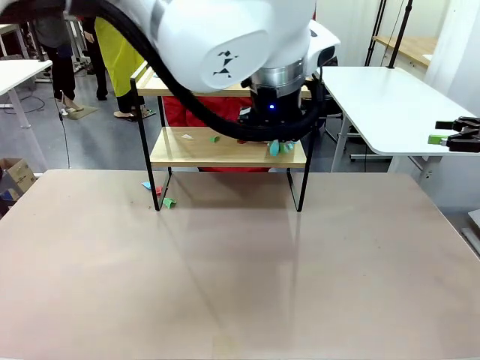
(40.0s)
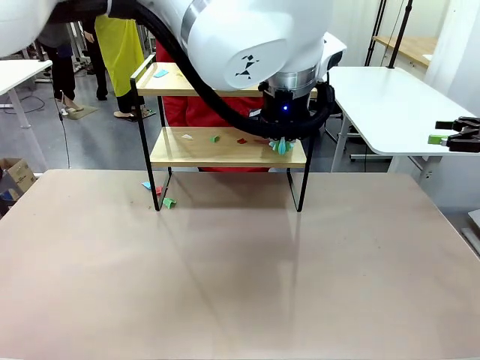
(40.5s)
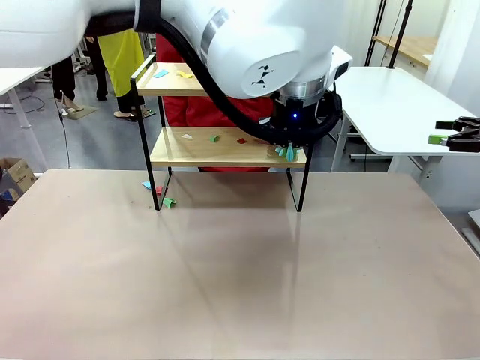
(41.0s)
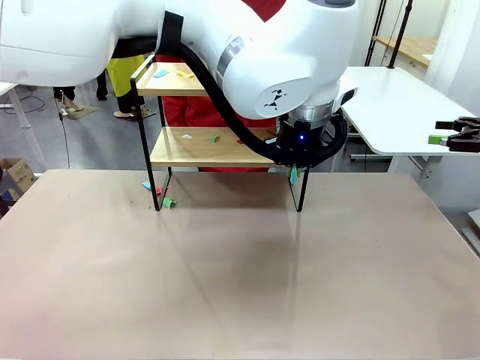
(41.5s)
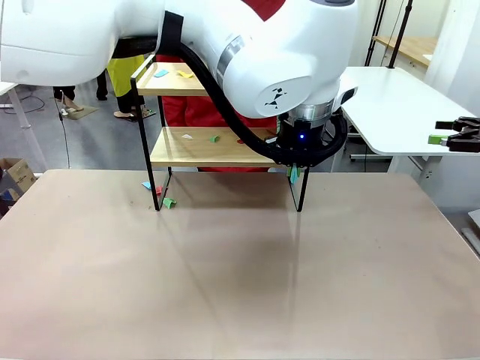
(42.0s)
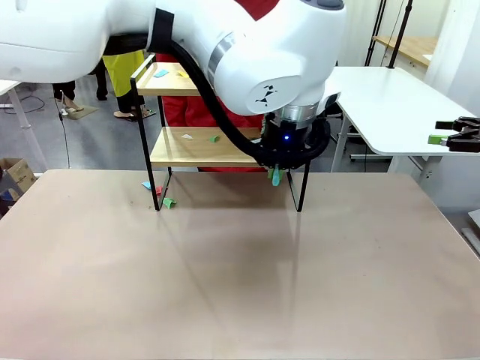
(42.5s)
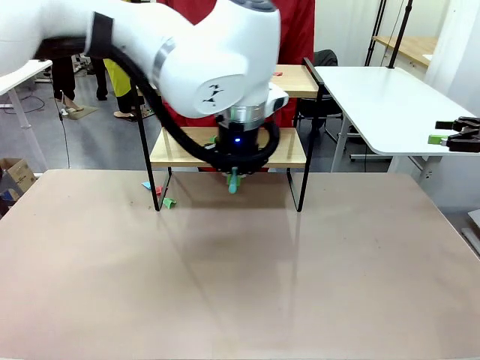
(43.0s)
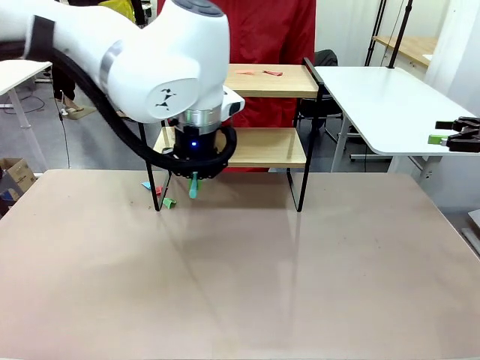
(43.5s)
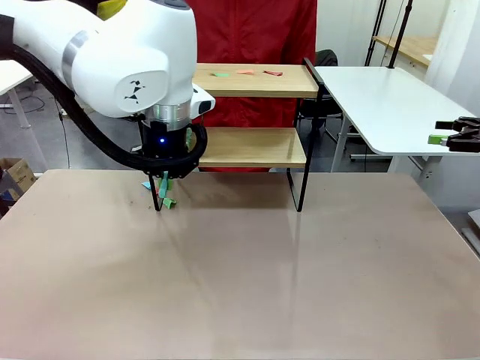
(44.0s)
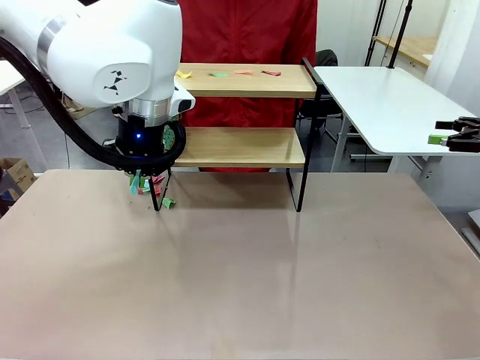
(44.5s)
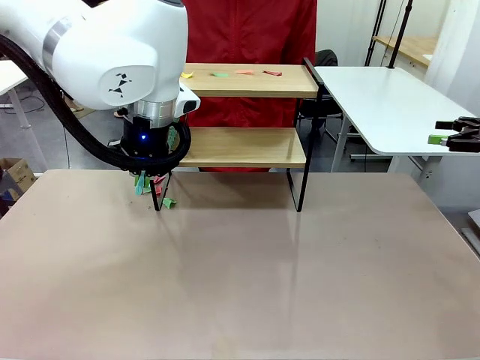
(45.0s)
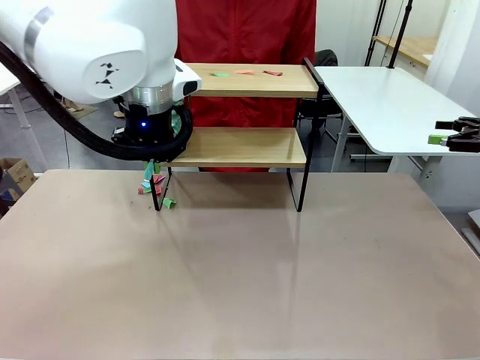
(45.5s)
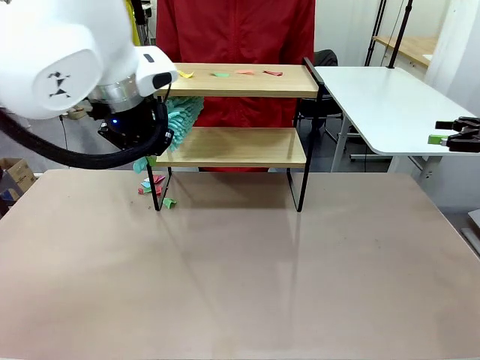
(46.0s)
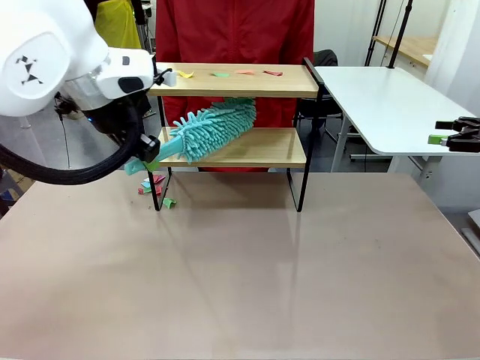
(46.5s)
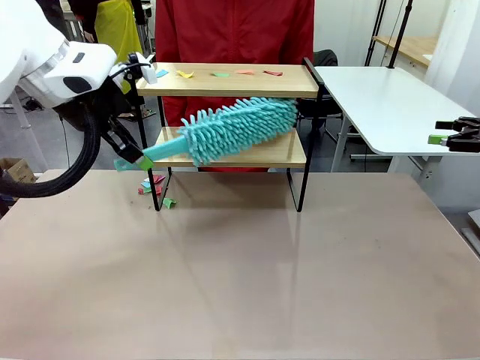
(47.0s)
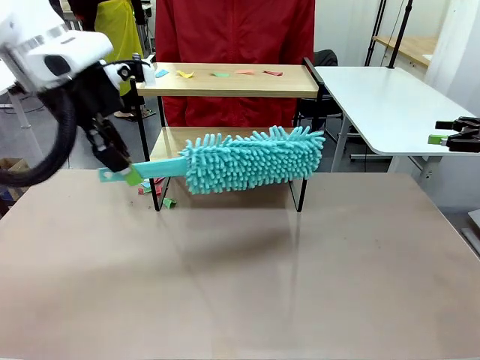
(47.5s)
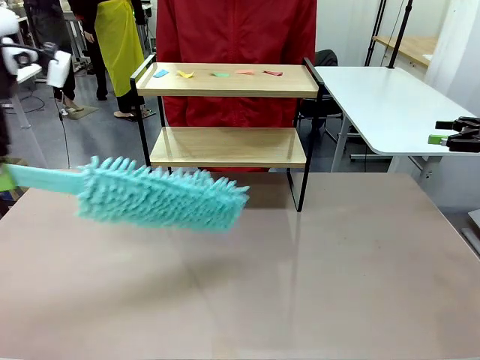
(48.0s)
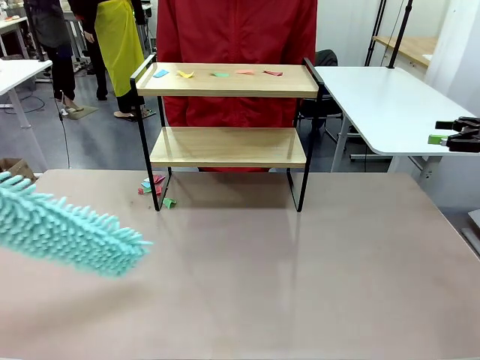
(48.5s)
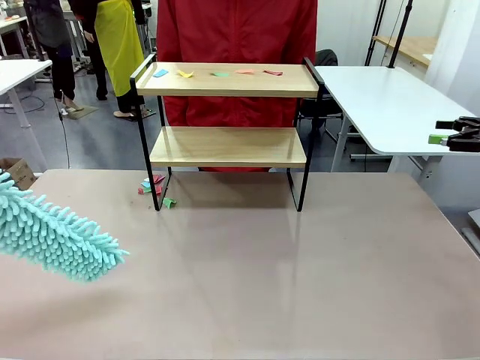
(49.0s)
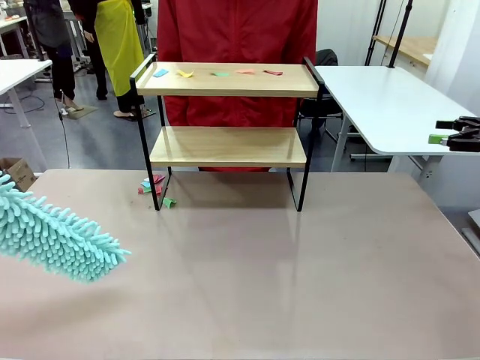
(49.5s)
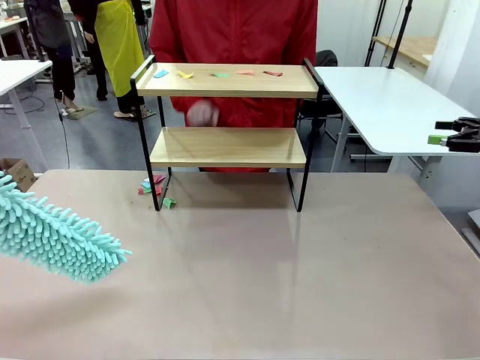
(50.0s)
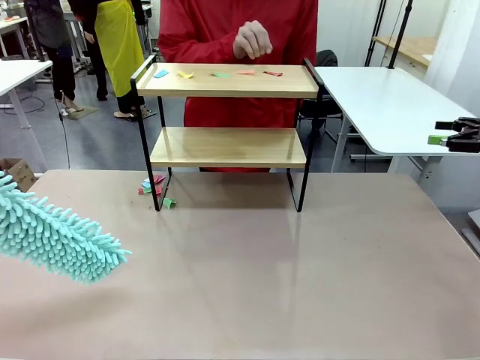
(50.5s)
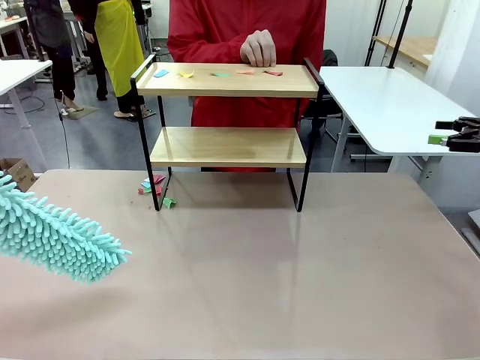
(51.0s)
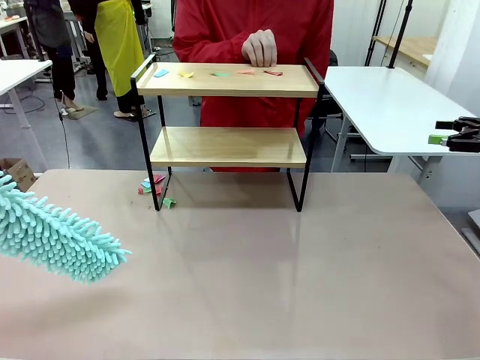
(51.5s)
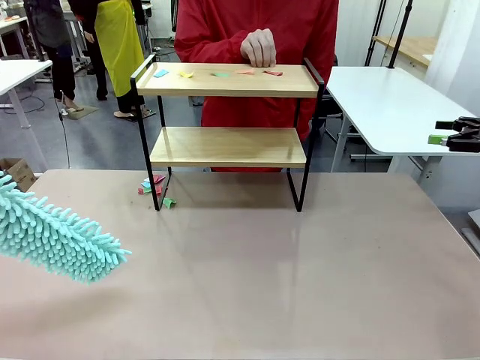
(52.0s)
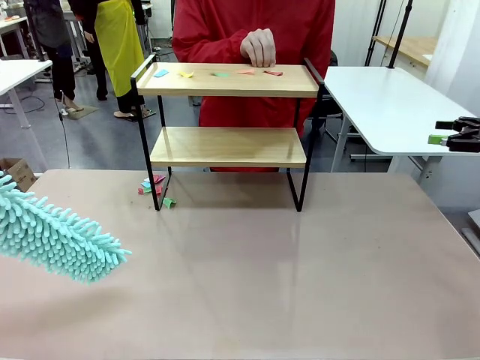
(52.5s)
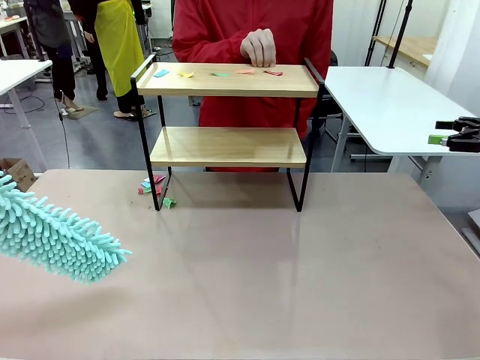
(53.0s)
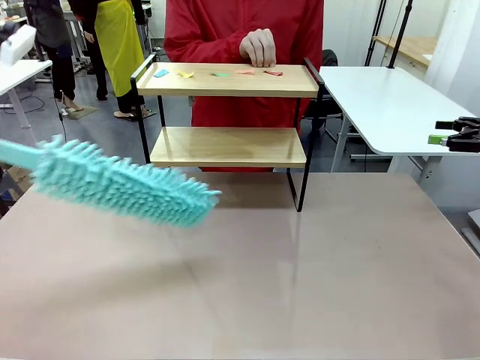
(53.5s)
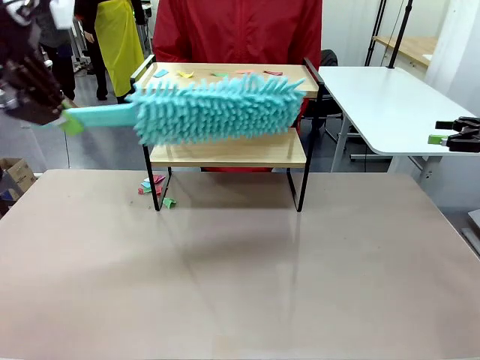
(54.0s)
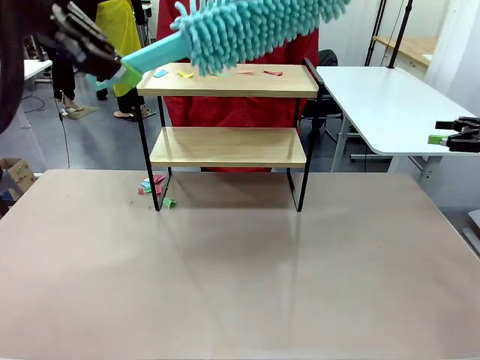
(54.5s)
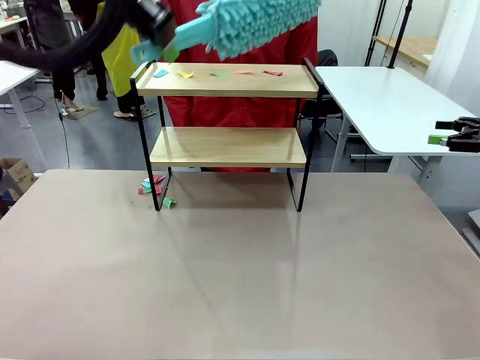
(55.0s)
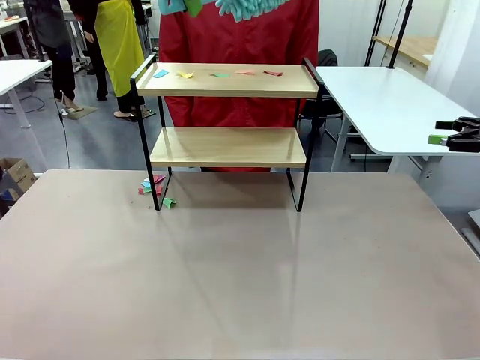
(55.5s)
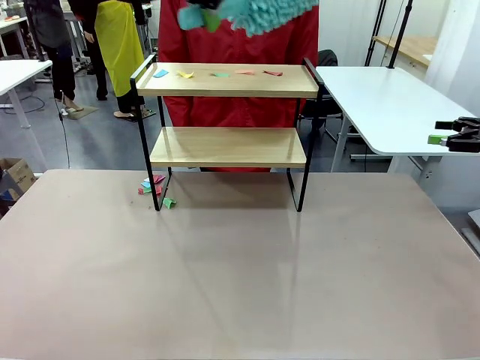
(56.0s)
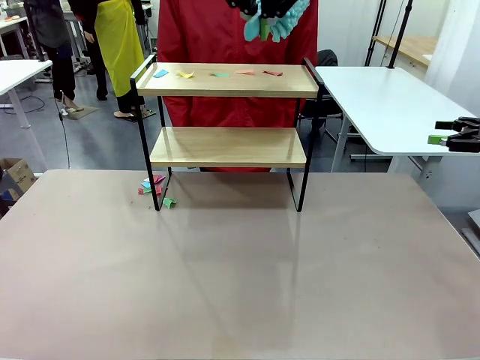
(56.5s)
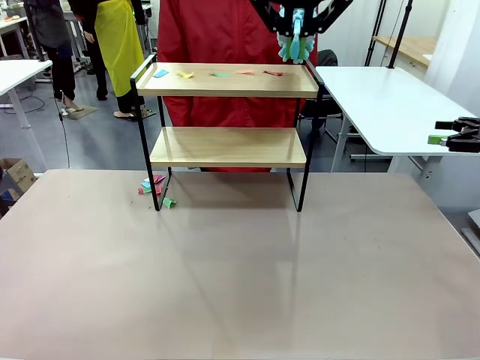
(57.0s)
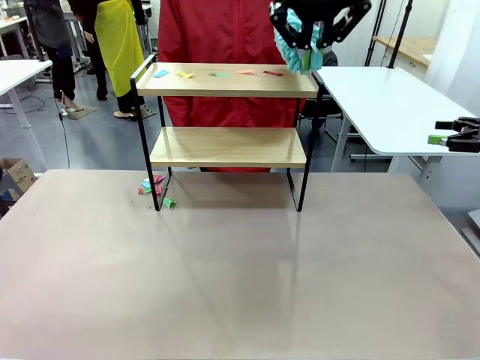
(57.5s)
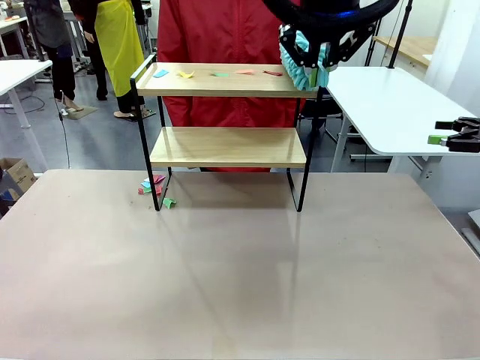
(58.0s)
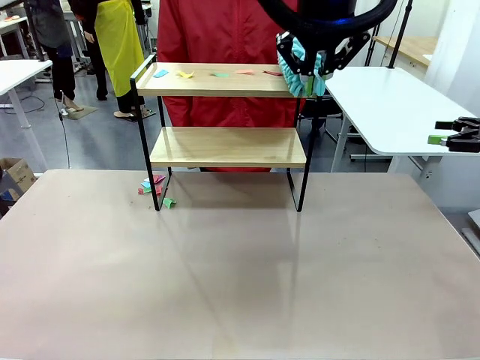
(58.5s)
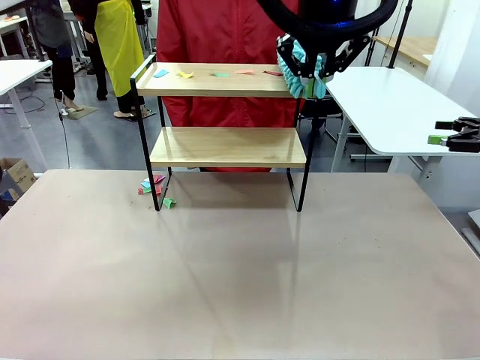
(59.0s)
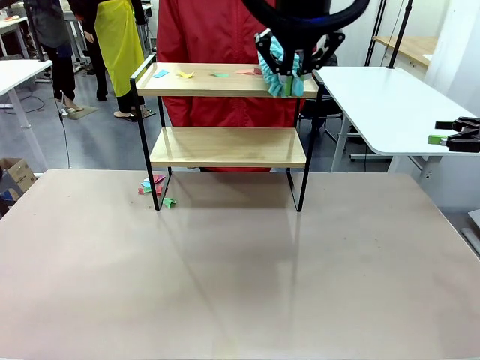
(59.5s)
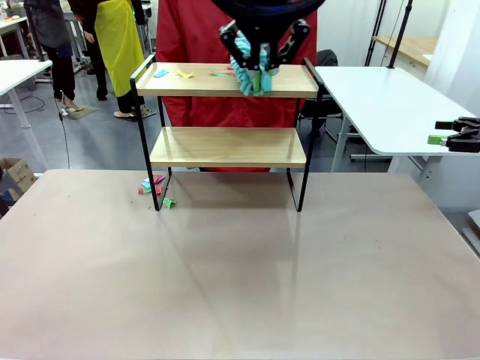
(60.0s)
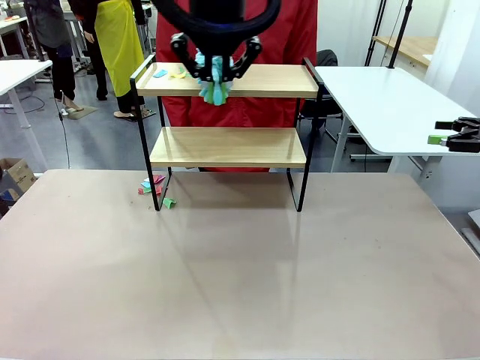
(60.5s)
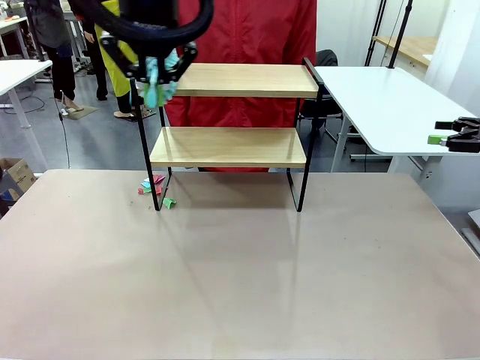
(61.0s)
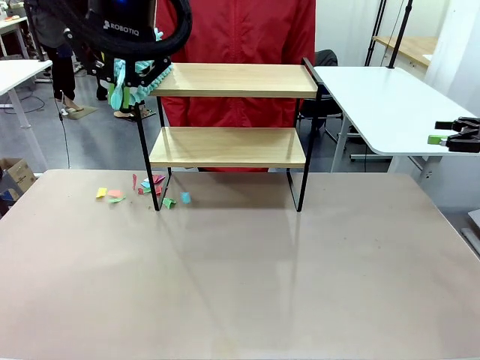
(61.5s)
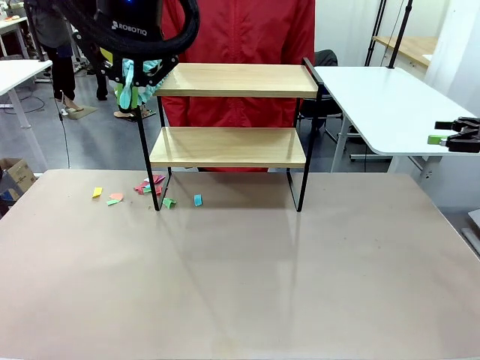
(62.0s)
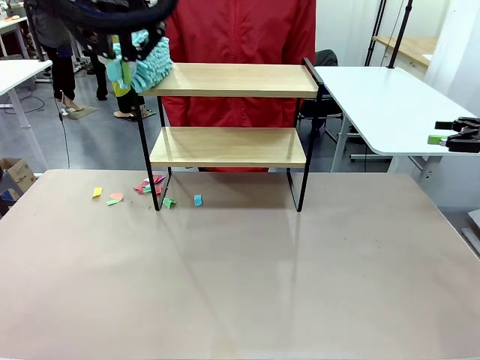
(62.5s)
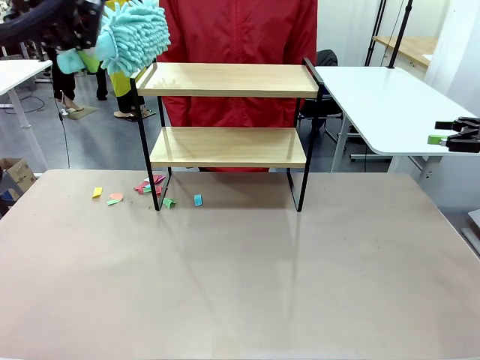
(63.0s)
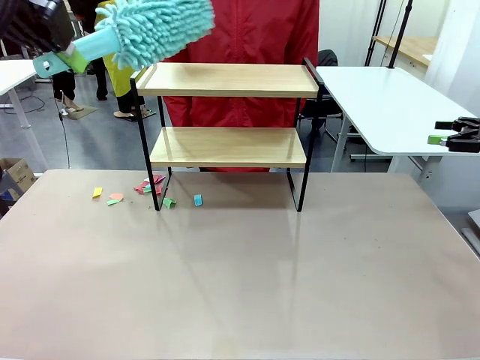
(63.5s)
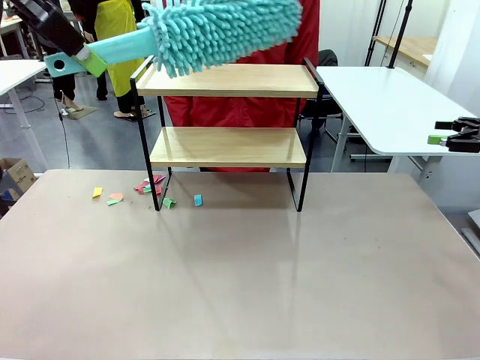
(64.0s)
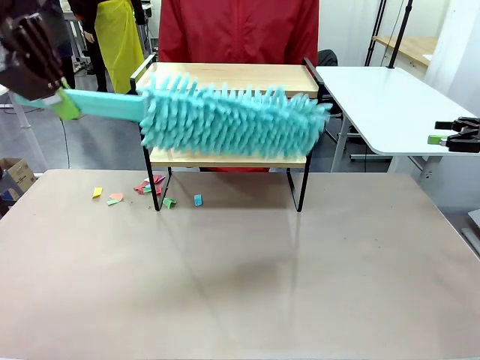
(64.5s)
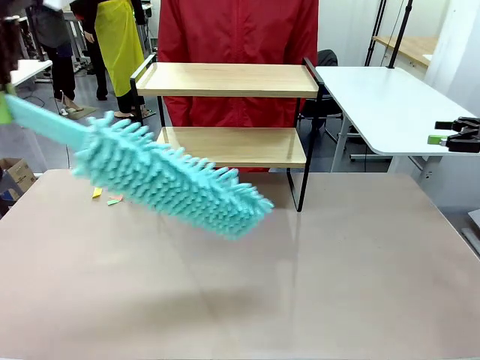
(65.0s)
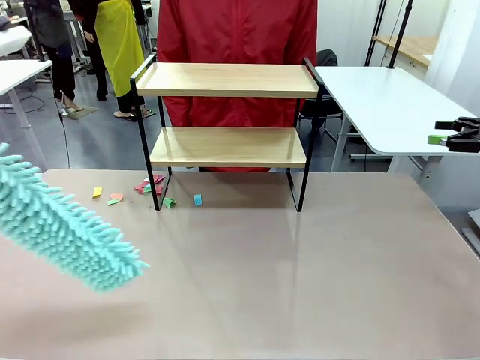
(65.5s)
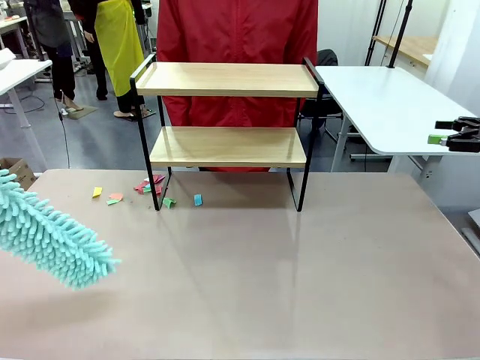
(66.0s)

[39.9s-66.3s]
Task: Clean the shelf.
Robot: Clean the specific section of the Shelf indicated by the human with the Duster.
Person: Point a remaining section of the Shelf.
